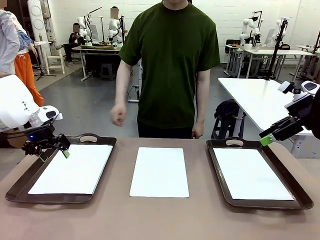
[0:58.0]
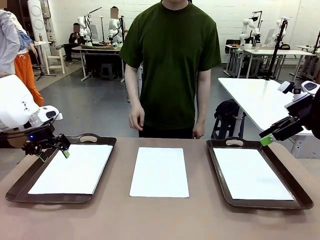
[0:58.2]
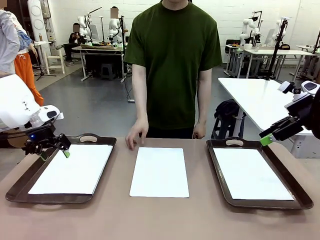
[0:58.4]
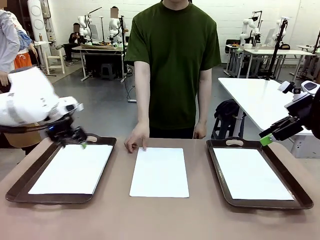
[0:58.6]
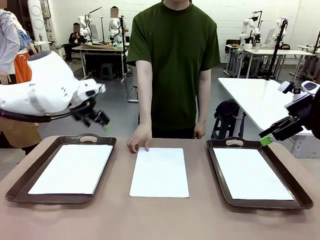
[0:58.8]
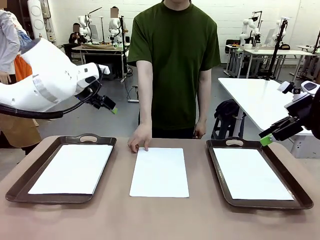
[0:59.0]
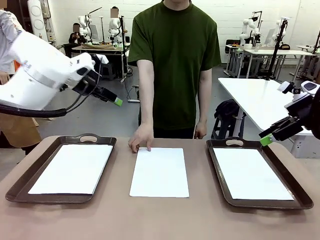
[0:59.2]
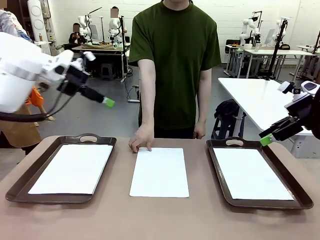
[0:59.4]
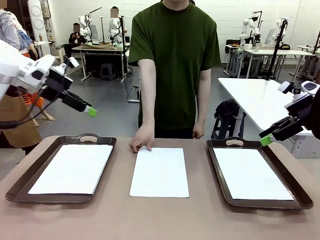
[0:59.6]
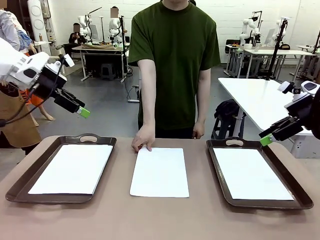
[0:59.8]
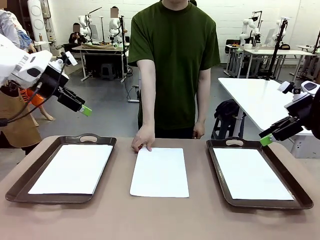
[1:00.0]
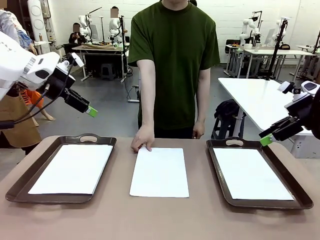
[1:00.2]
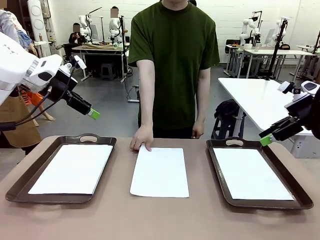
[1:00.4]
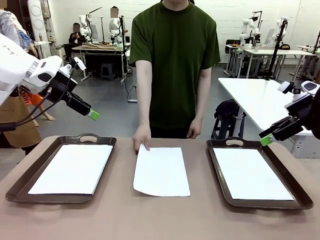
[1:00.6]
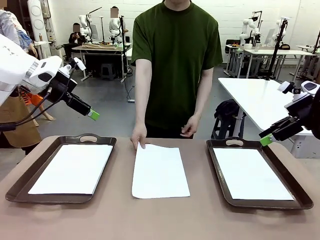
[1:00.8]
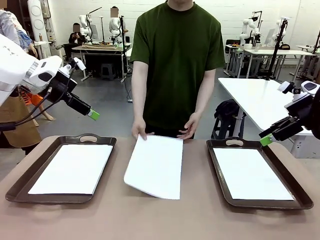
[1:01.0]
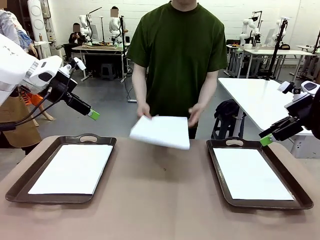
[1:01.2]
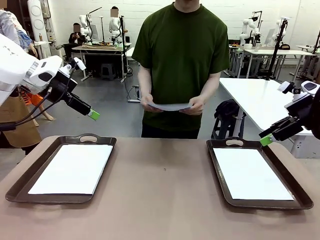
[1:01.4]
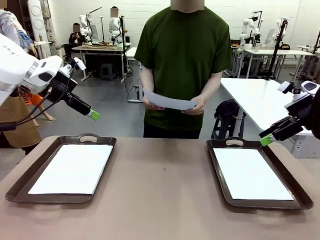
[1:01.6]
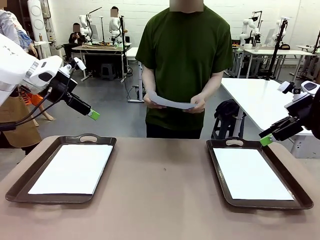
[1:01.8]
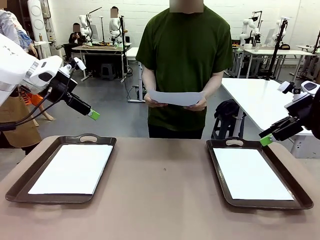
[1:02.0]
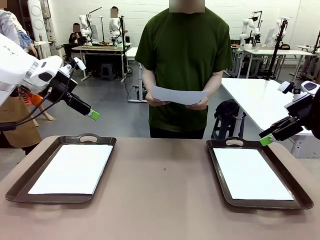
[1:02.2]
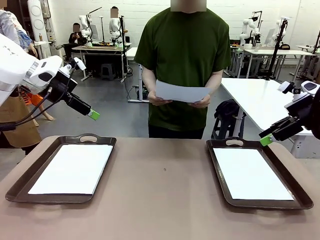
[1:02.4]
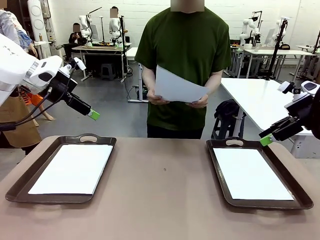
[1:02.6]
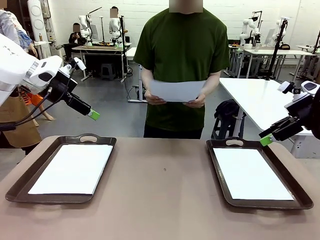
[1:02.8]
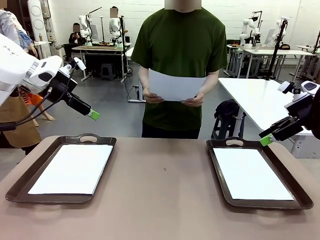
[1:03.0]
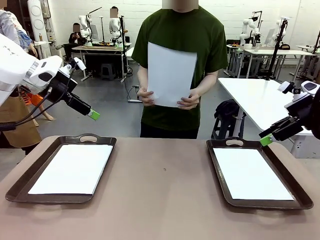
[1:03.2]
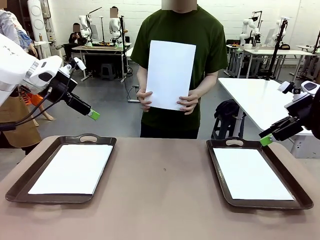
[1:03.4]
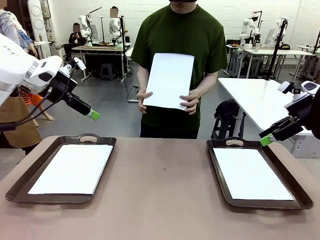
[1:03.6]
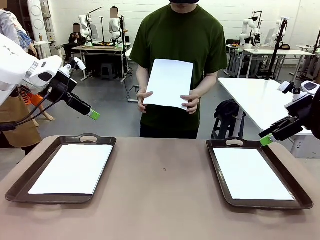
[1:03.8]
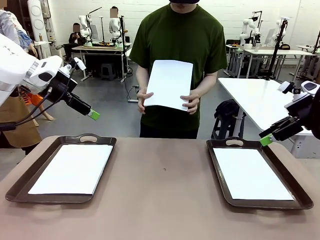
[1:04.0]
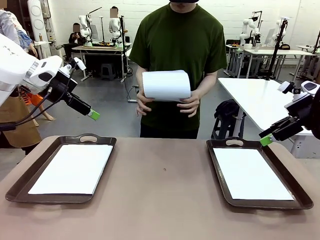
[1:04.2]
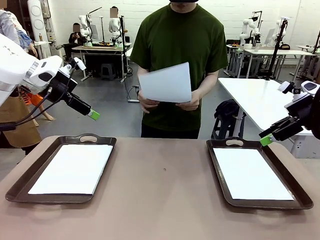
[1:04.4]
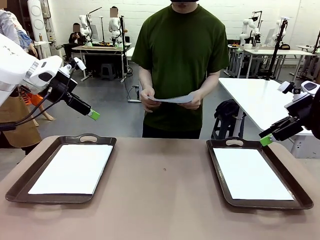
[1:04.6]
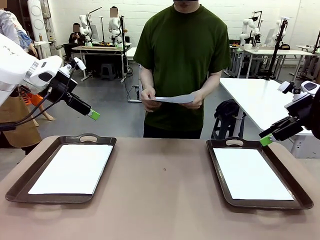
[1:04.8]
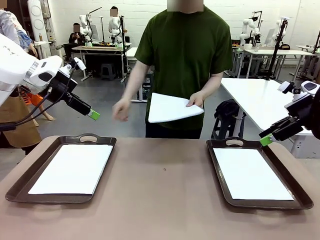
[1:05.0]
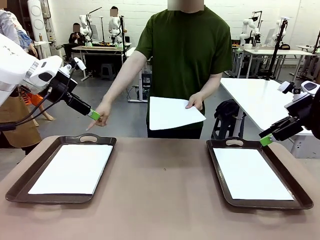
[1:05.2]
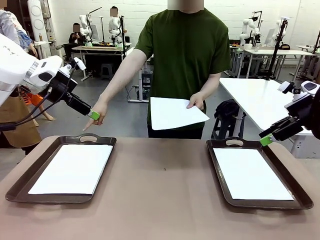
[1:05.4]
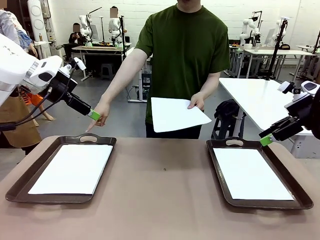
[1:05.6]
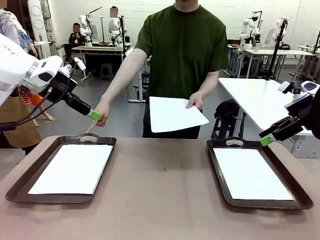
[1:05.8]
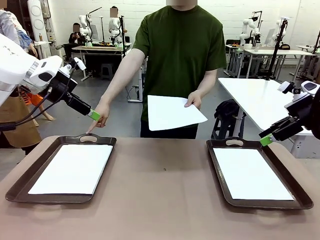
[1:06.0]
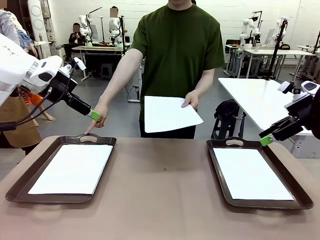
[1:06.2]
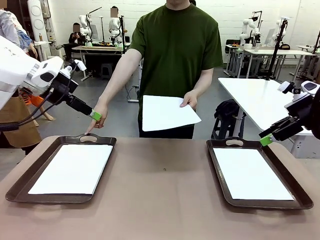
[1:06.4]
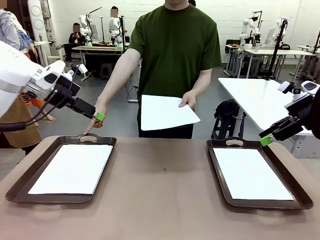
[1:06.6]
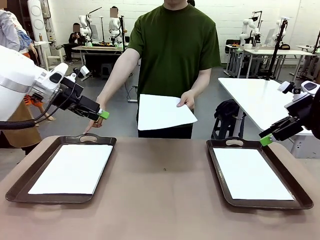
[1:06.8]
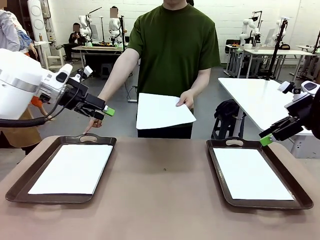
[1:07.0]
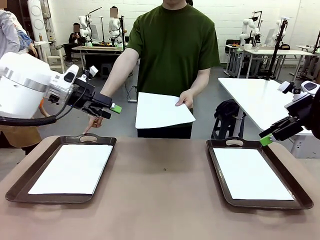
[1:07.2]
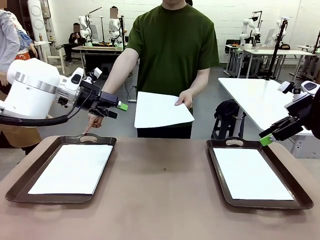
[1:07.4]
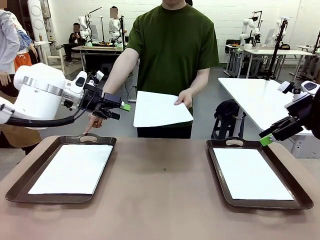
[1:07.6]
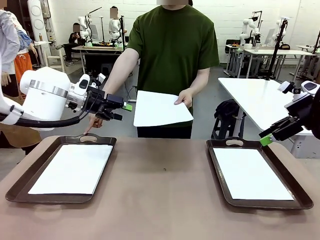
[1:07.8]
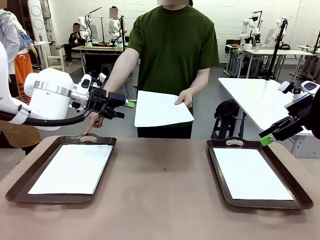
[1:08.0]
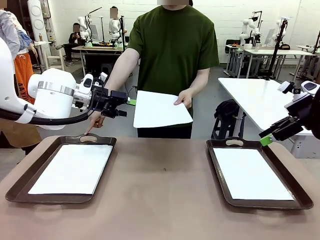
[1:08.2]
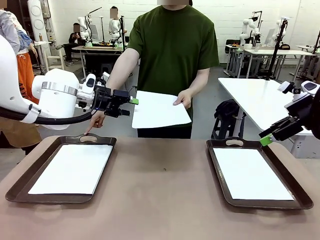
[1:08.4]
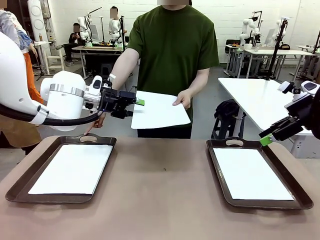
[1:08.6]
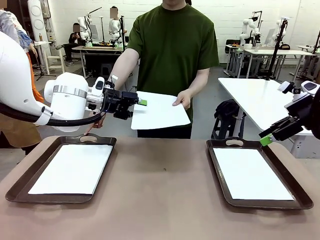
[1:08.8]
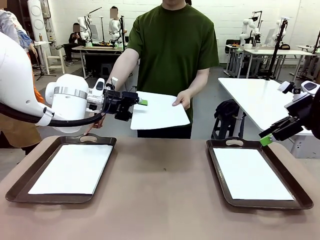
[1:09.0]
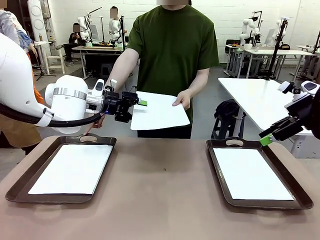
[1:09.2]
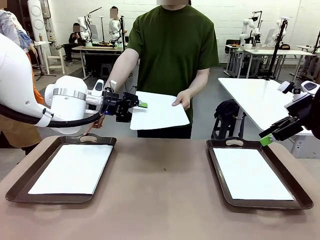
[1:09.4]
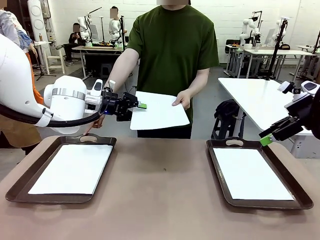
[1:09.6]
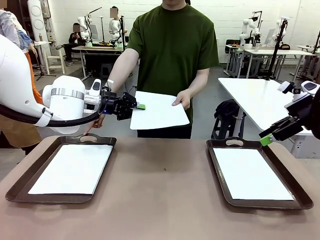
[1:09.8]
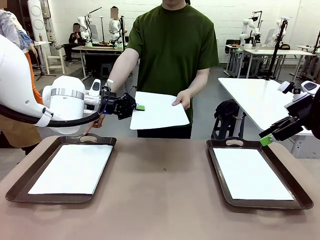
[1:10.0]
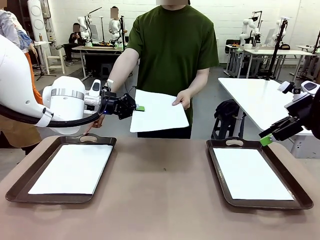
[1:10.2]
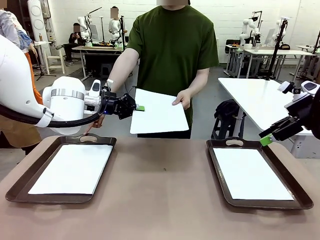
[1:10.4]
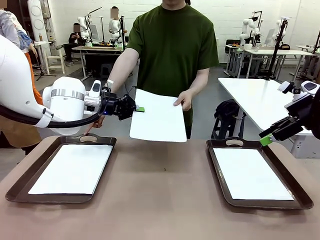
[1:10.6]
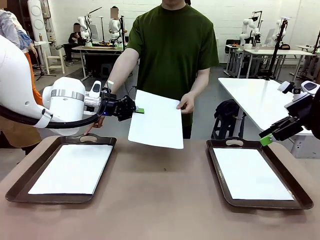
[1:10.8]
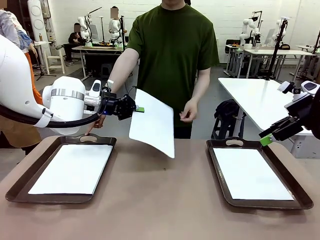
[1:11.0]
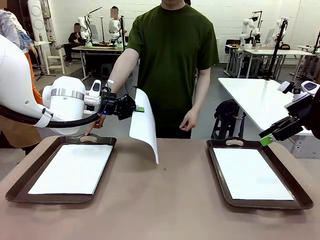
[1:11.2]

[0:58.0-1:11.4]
Task: Sort the A4 documents.
Robot: Receive the A4 Paper.
Person: Point the randomly selected tray with the other hand.

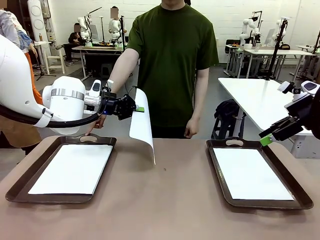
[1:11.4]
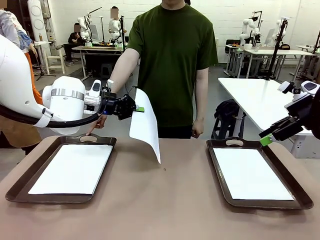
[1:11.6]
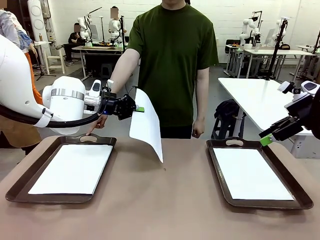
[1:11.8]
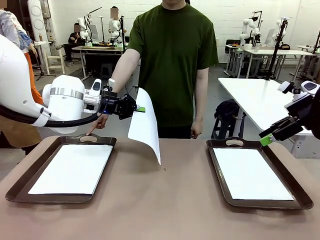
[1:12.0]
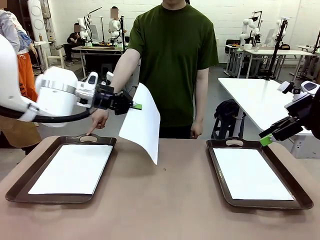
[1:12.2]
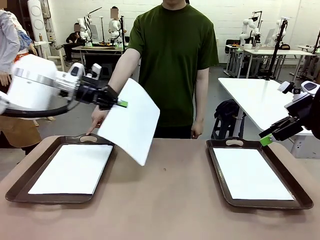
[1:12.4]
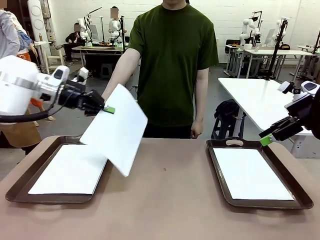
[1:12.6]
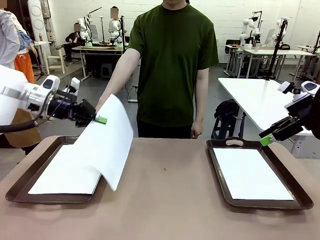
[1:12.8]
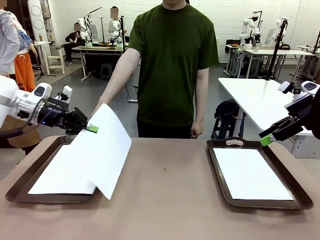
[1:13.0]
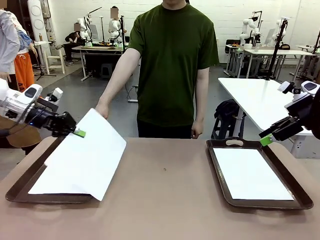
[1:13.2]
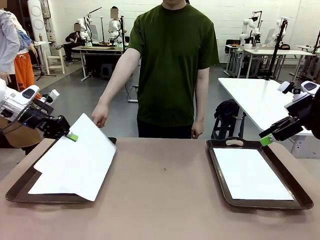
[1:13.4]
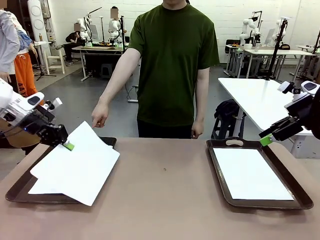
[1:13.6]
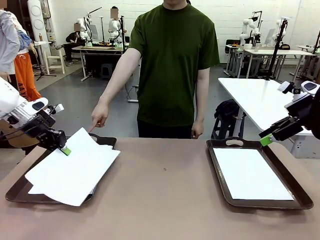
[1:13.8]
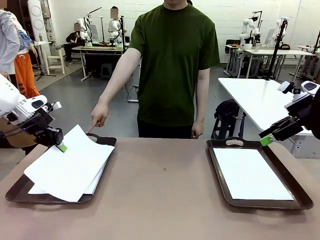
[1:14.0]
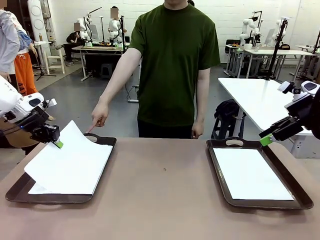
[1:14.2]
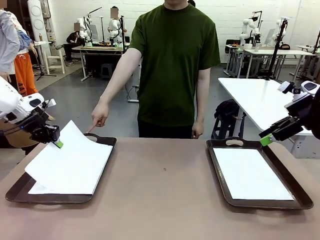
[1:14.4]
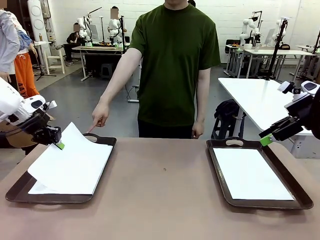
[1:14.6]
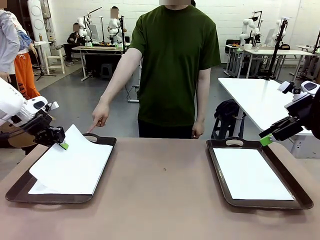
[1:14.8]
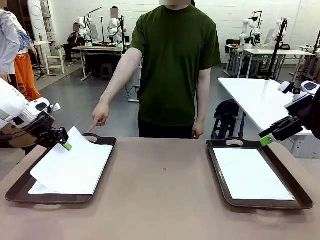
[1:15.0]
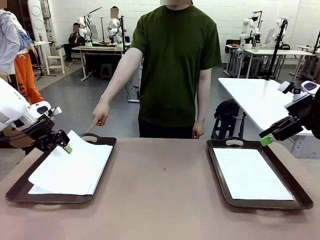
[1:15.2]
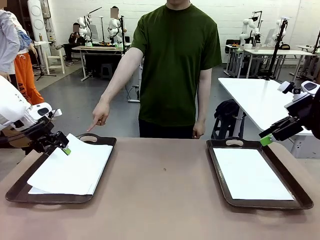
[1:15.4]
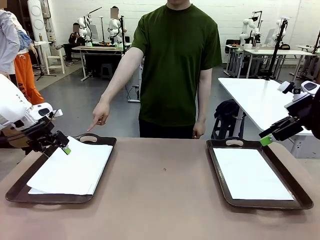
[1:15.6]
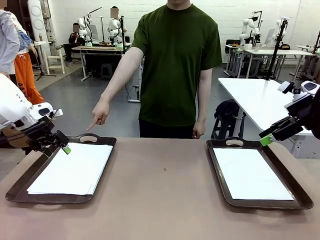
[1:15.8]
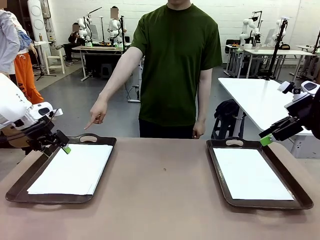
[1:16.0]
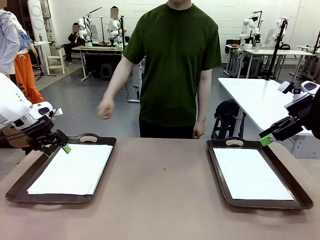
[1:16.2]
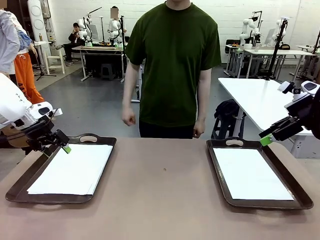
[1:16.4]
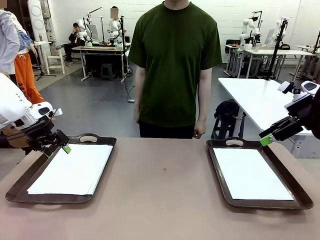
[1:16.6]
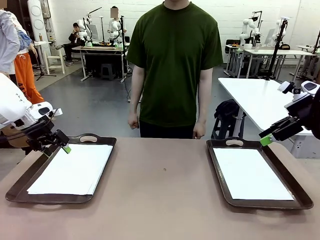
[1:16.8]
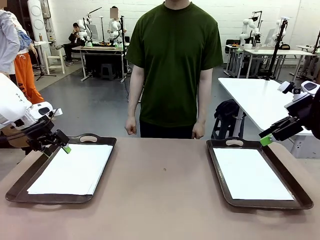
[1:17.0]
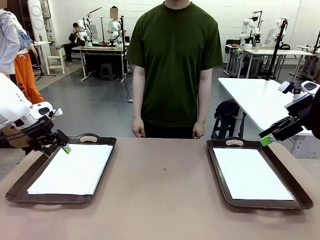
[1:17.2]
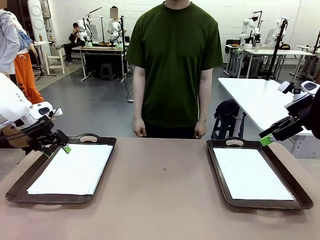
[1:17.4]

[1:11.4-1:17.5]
Robot: Place the A4 Paper in the designated Handle tray.
